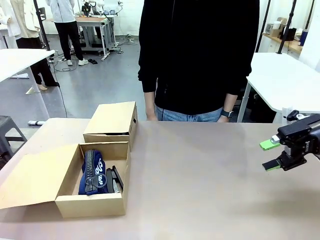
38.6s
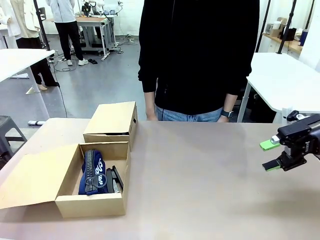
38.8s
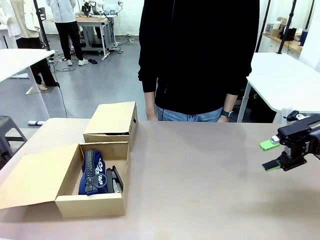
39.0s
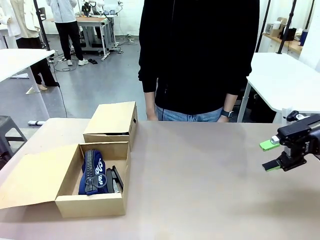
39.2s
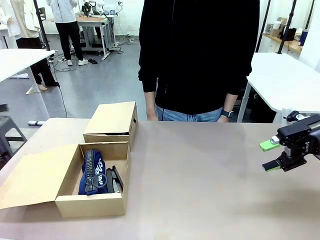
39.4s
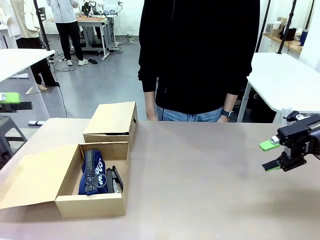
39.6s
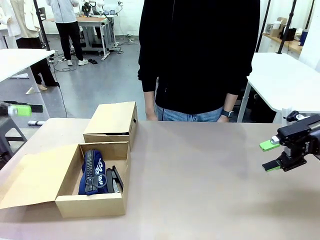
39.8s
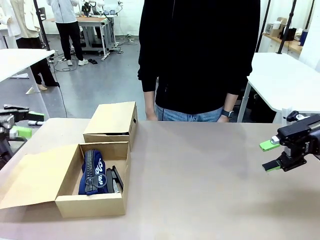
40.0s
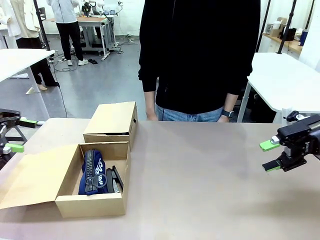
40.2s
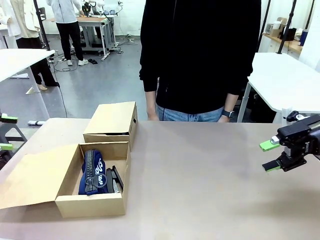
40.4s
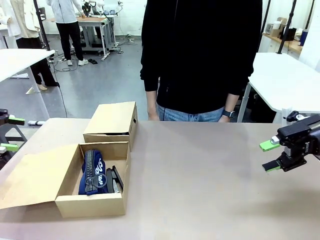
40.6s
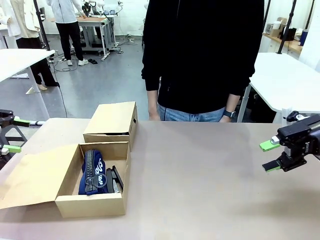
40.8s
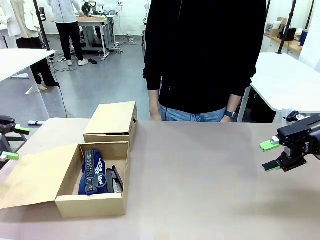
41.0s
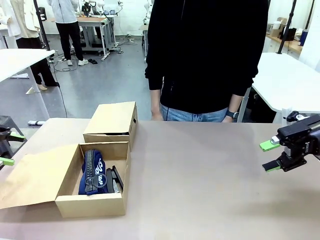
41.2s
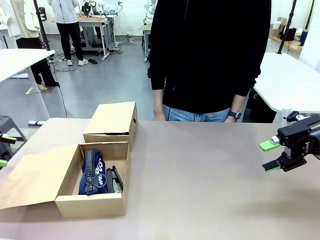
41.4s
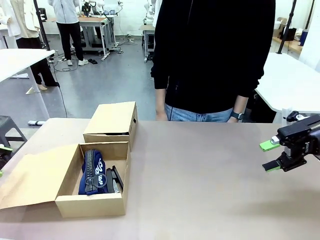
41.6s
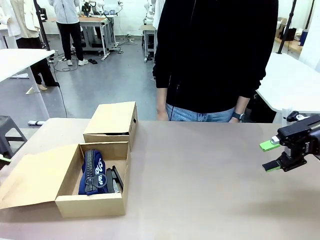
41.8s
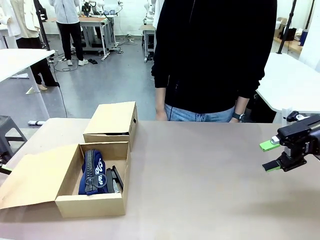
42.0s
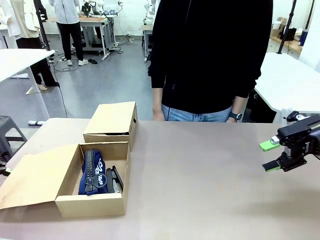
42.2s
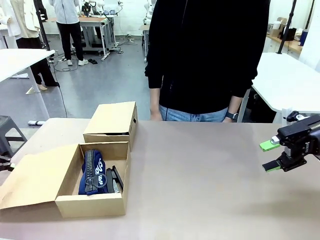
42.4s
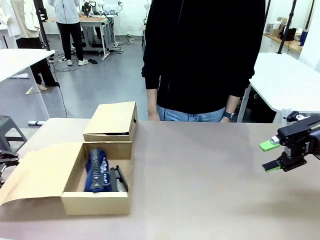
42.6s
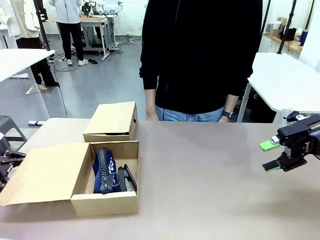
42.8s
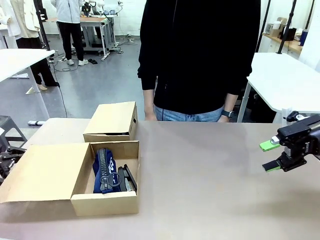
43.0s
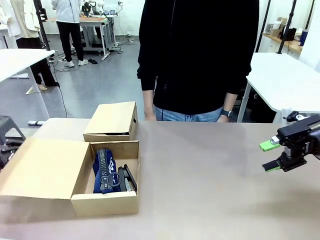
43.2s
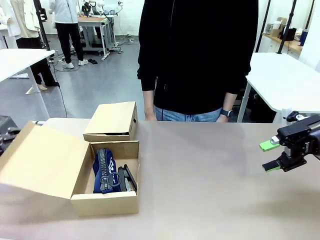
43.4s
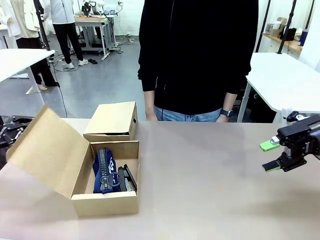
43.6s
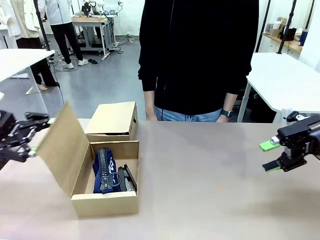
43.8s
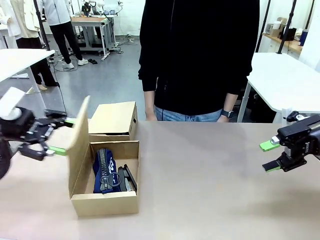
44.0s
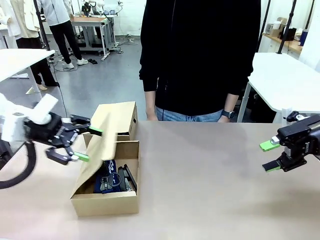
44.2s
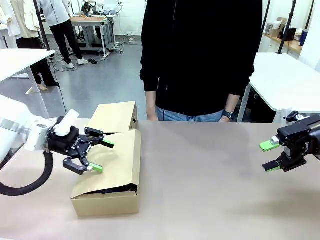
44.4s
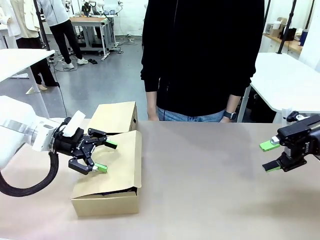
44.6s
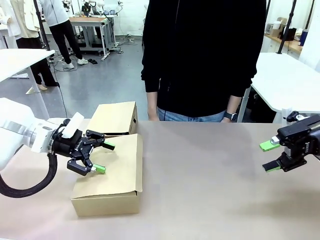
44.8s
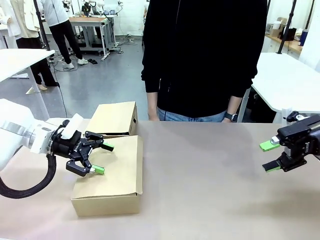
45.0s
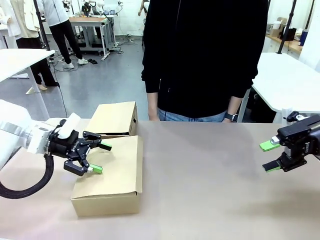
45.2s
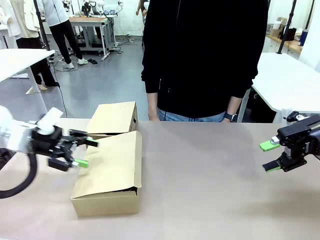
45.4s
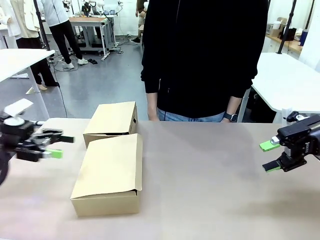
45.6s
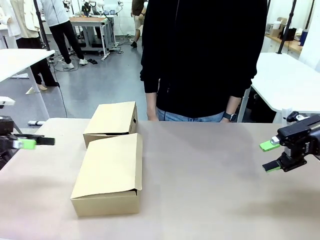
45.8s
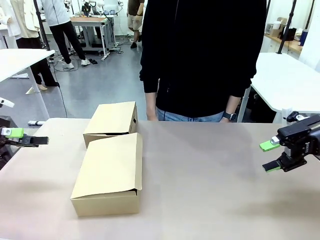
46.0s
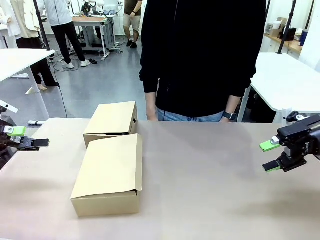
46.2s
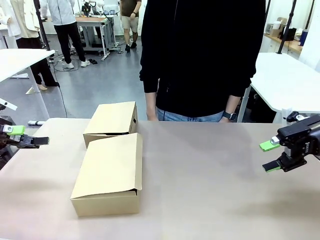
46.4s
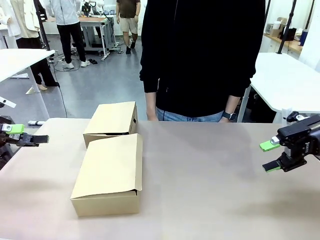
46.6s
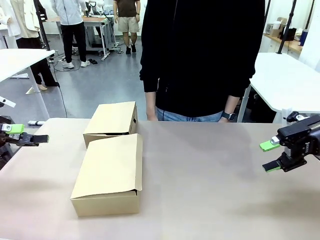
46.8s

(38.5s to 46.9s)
Task: Place items inside the box.
Robot: Close the lid of the Mailer Box closest to the robot.

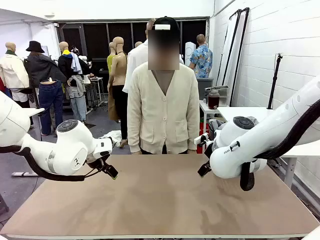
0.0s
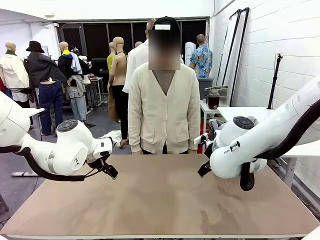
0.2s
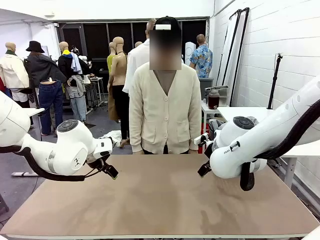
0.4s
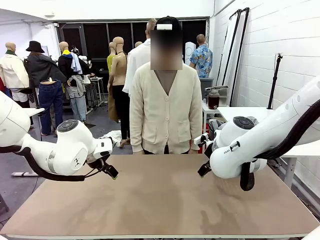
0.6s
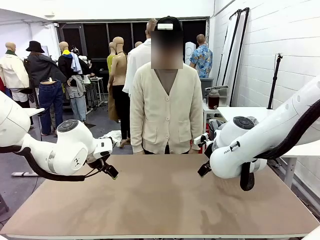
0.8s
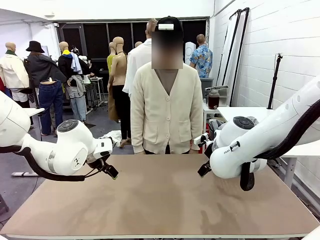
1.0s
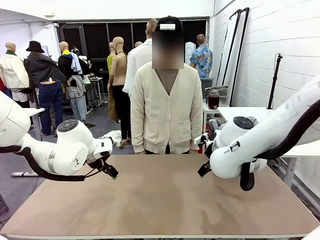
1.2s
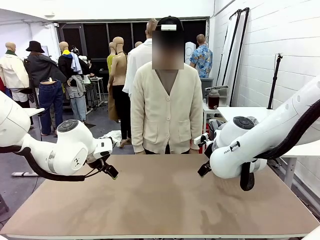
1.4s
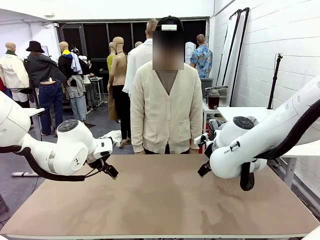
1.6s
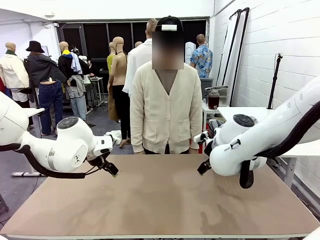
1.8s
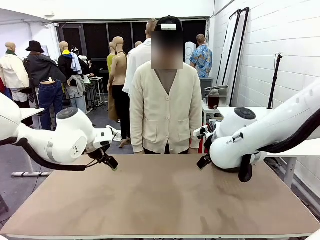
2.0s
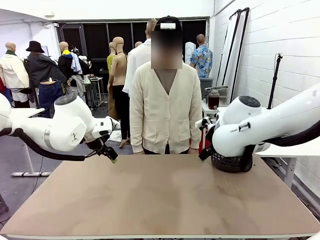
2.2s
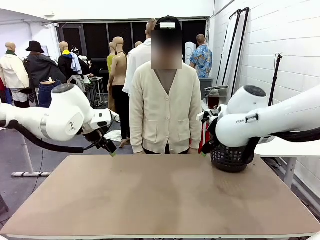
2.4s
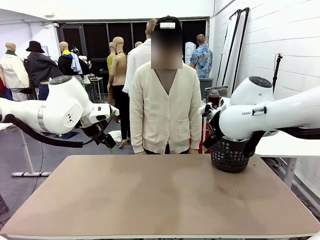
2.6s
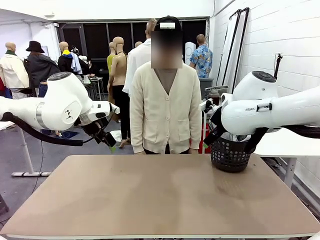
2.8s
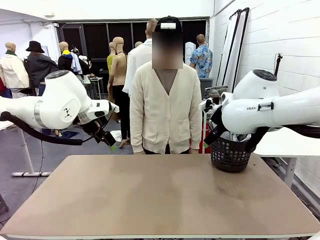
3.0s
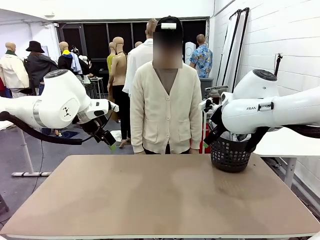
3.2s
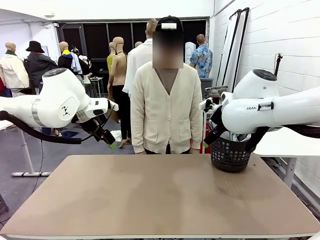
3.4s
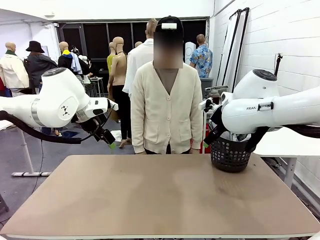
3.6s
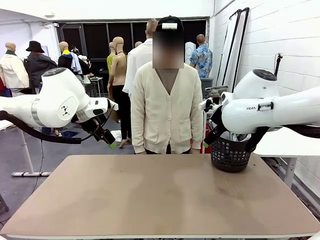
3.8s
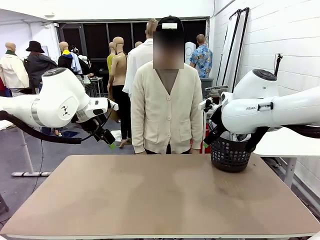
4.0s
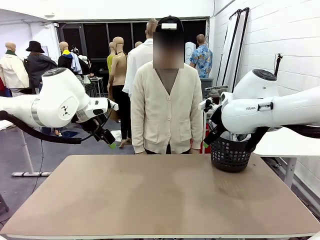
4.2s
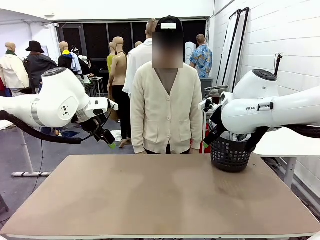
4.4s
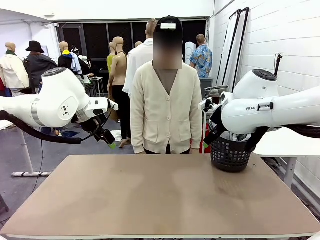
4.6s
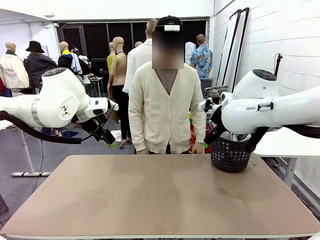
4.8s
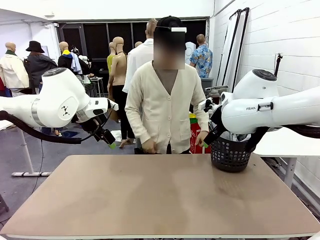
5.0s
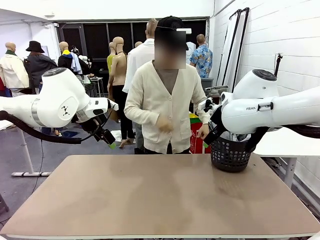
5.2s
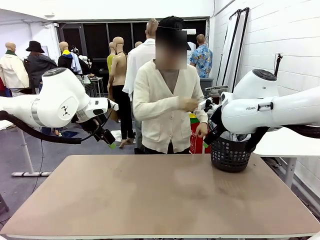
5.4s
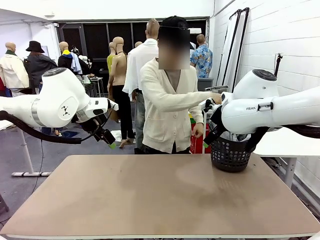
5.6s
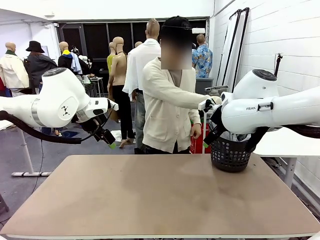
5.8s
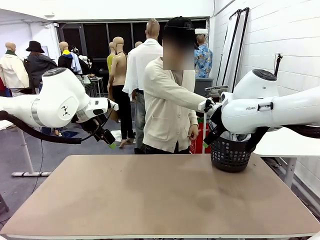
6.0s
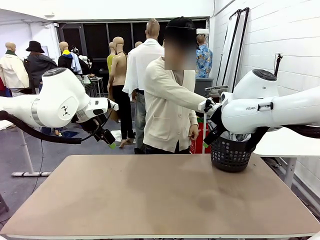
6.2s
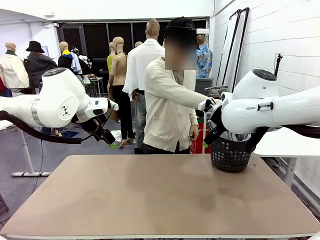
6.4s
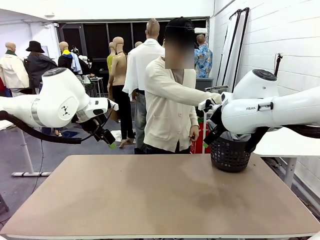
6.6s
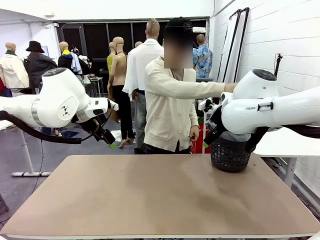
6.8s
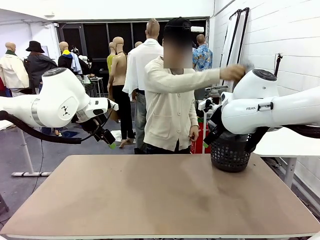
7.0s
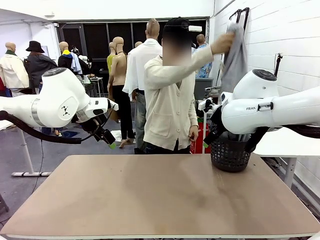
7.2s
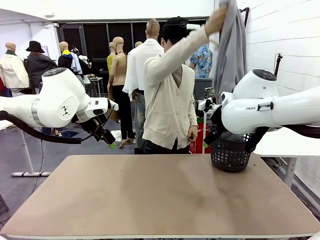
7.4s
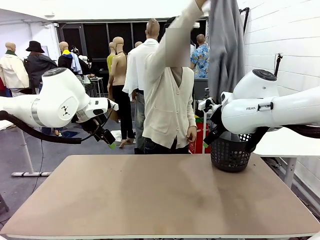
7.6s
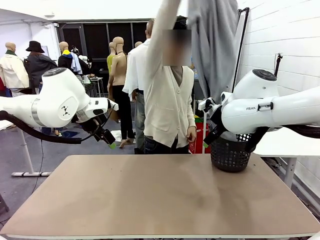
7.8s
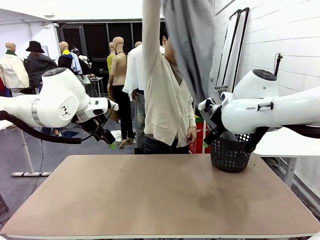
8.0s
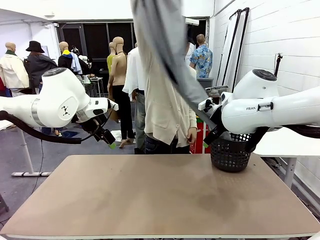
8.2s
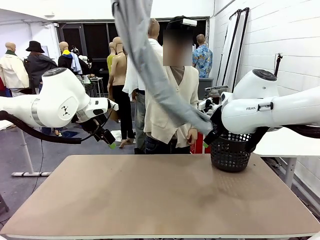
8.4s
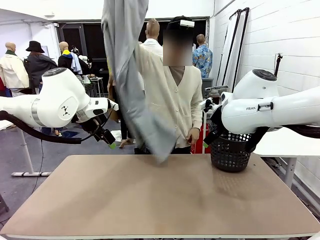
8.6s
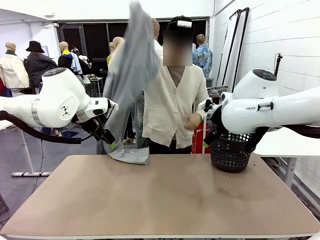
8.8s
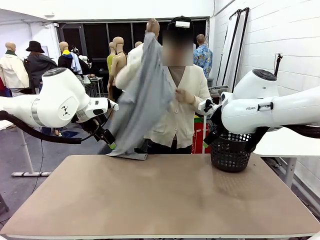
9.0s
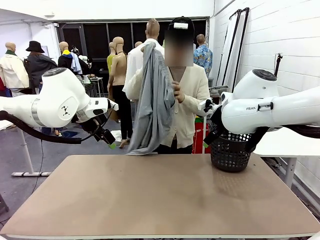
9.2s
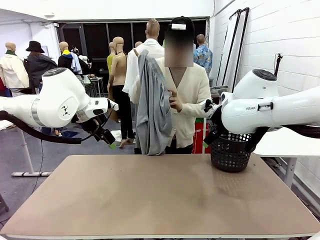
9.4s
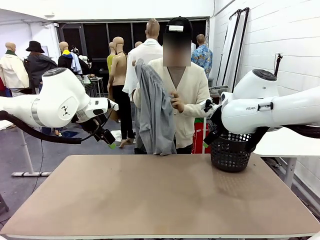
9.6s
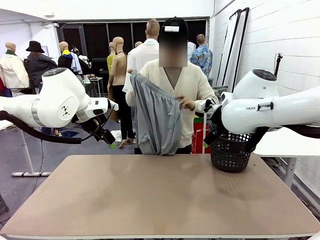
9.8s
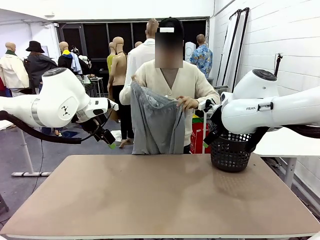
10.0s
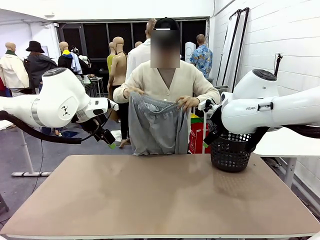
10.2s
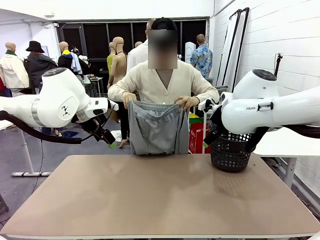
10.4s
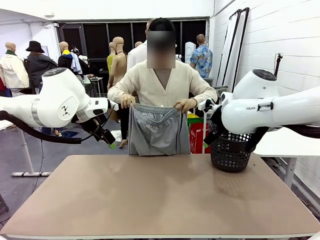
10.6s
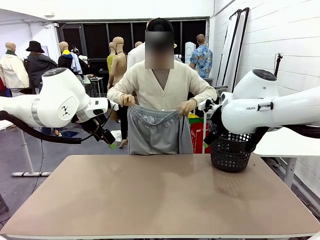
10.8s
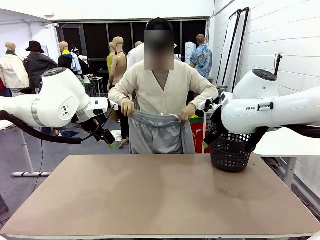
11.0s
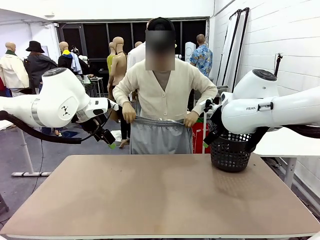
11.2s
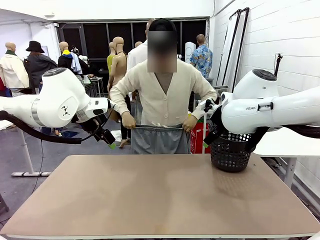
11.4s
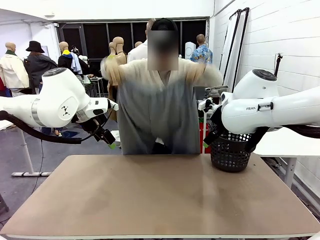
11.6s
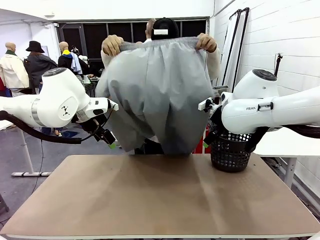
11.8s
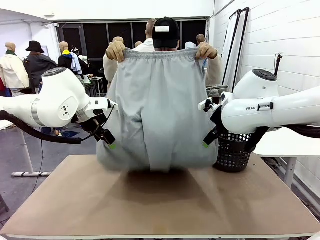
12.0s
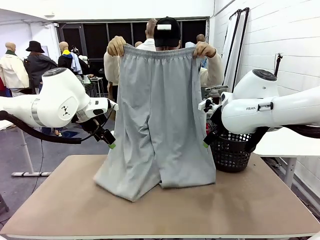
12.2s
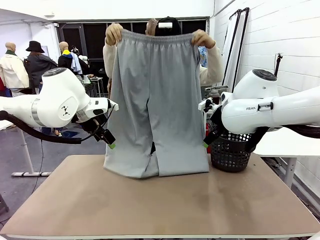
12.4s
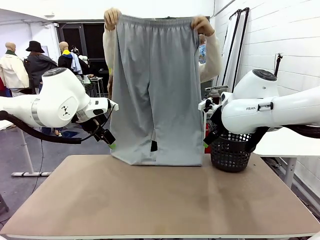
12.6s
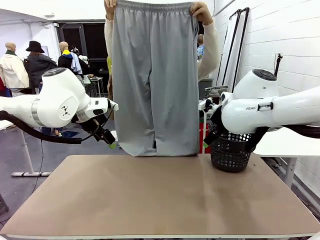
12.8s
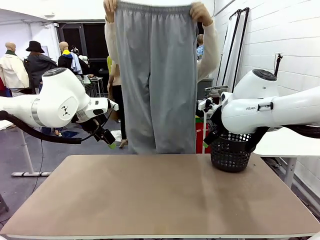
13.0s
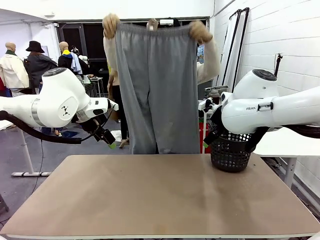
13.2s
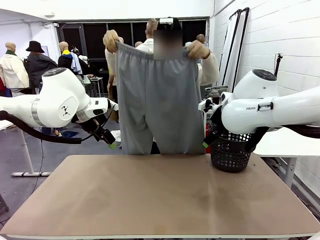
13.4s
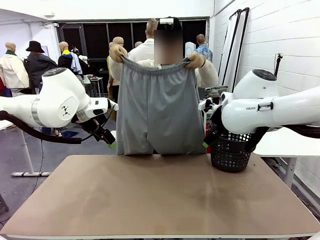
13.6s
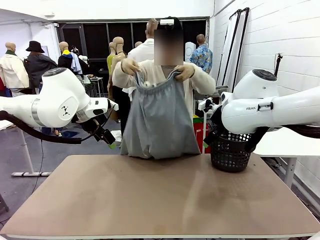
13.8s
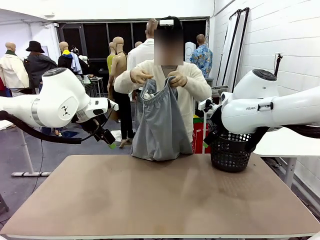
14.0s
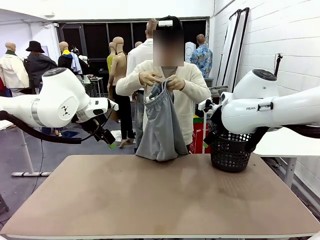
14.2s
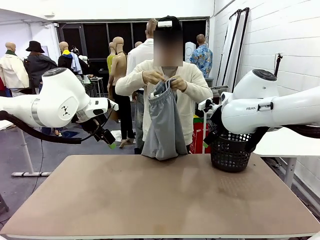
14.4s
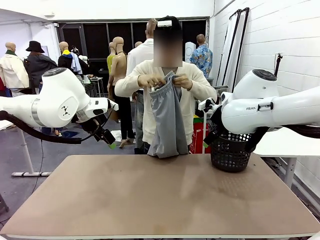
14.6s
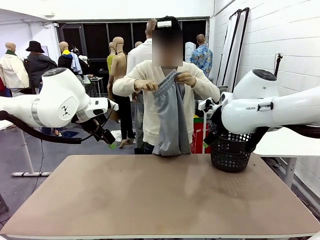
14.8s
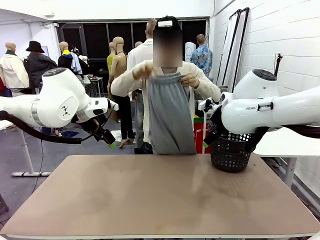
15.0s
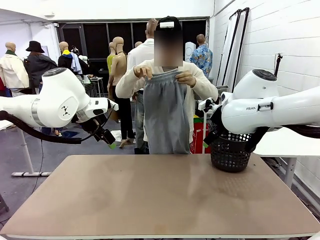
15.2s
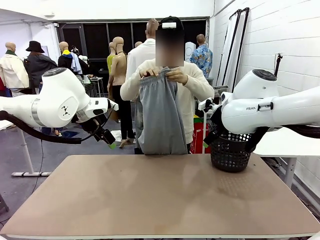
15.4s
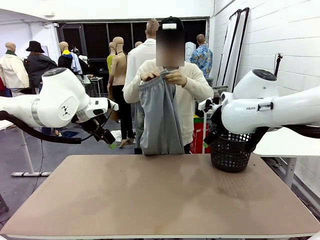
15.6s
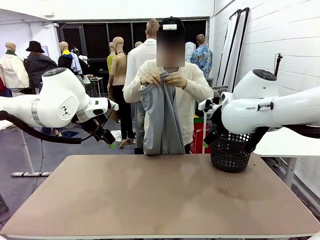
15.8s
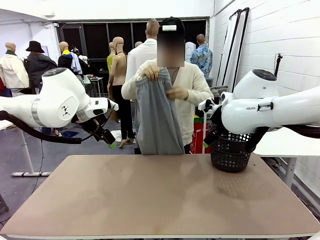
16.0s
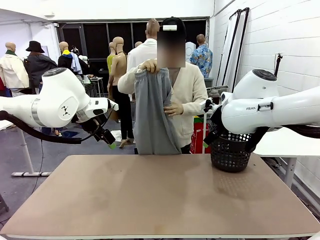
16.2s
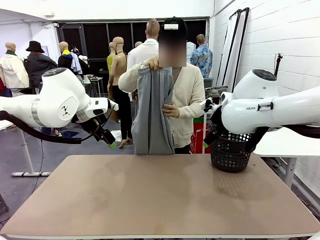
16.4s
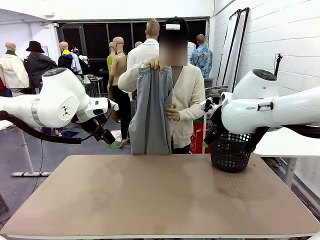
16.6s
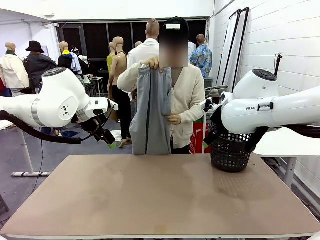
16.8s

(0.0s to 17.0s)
Task: Fold the training pants.
Robot: Grab both ends of the Training pants handed by a person.
Person: Take the long pants out of the laundry basket, unfold them, fold the waist in half, and extend them so the robot can pick up both corners.
